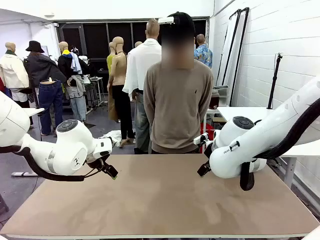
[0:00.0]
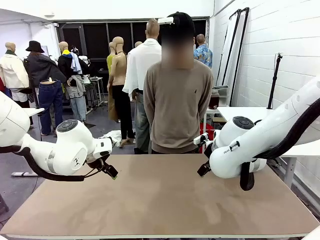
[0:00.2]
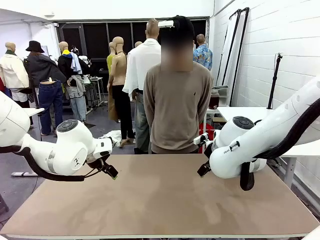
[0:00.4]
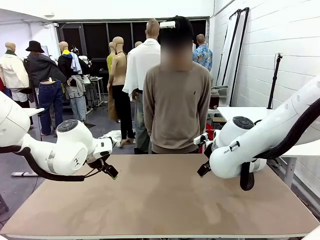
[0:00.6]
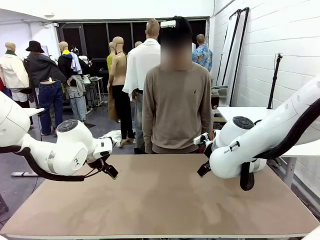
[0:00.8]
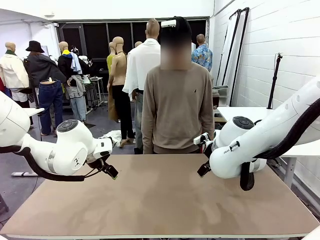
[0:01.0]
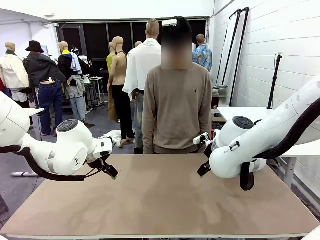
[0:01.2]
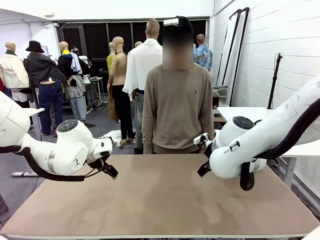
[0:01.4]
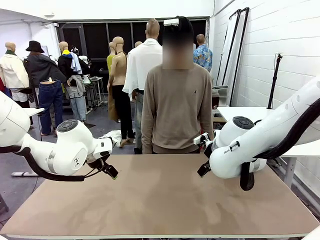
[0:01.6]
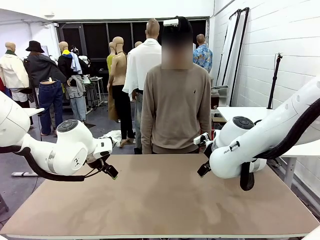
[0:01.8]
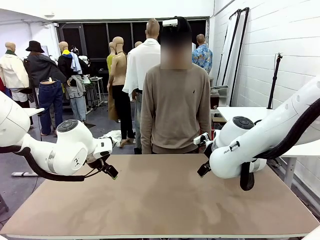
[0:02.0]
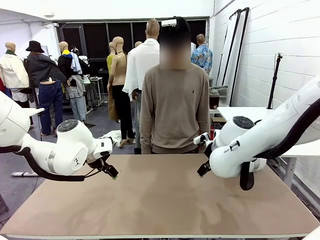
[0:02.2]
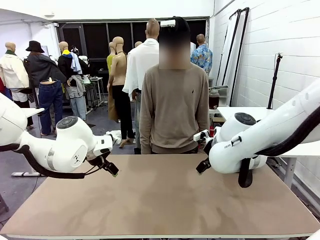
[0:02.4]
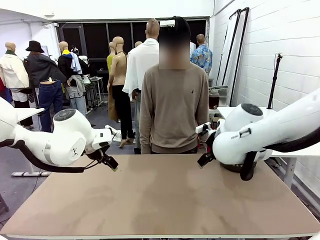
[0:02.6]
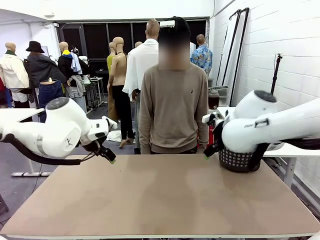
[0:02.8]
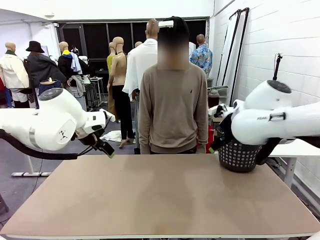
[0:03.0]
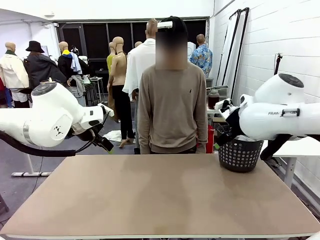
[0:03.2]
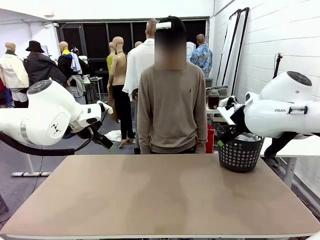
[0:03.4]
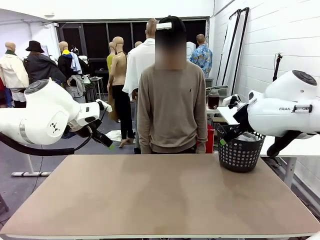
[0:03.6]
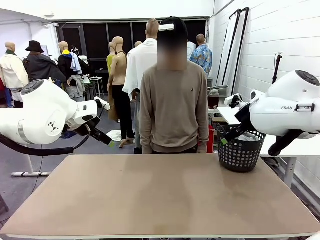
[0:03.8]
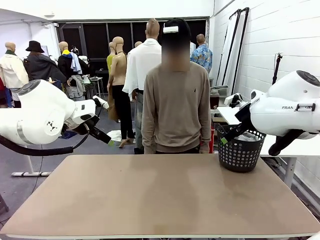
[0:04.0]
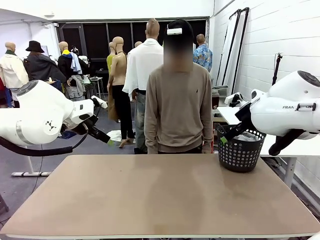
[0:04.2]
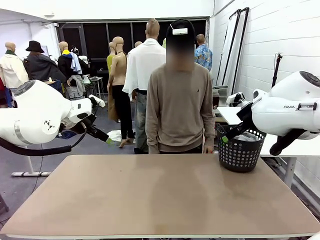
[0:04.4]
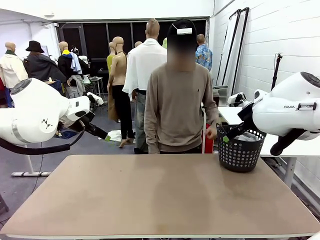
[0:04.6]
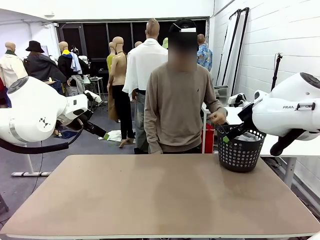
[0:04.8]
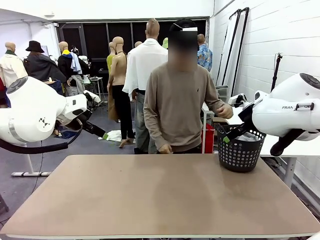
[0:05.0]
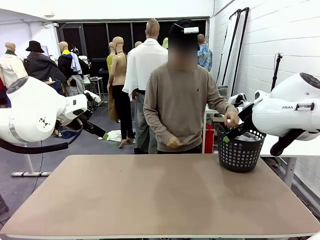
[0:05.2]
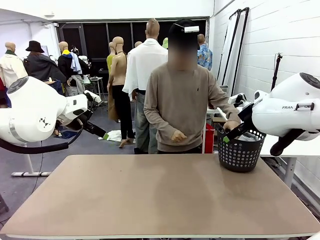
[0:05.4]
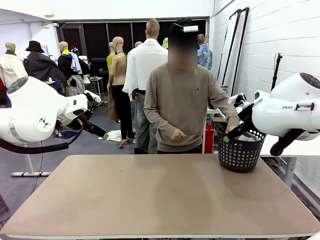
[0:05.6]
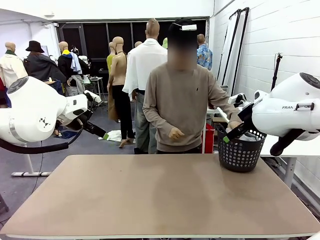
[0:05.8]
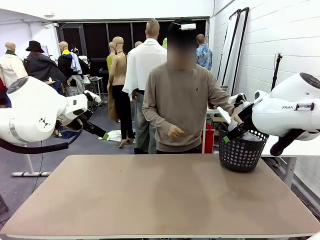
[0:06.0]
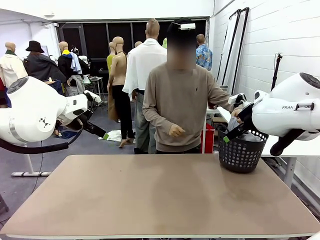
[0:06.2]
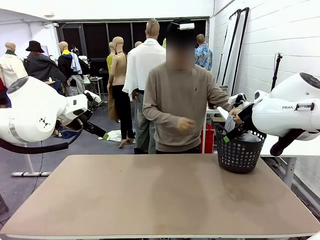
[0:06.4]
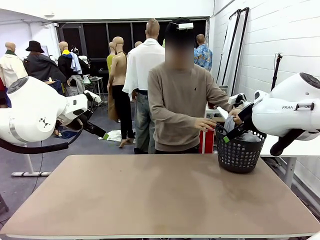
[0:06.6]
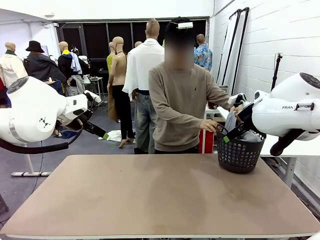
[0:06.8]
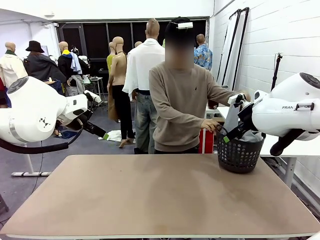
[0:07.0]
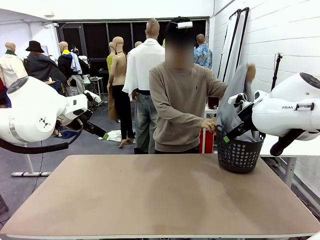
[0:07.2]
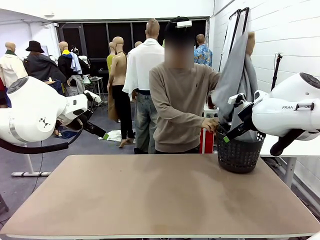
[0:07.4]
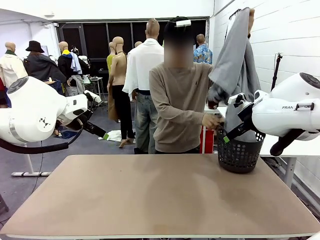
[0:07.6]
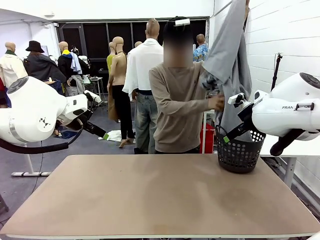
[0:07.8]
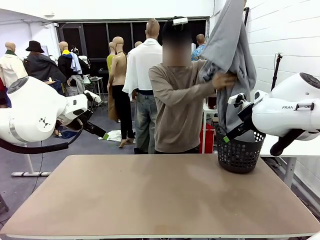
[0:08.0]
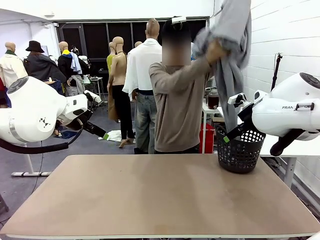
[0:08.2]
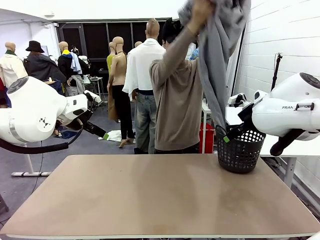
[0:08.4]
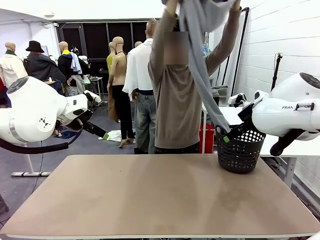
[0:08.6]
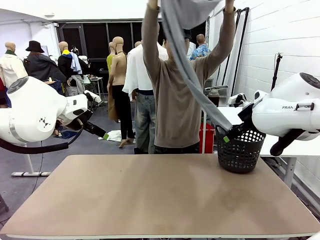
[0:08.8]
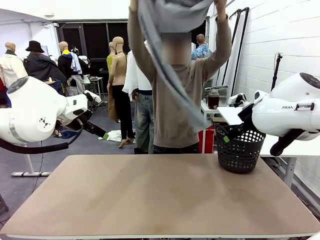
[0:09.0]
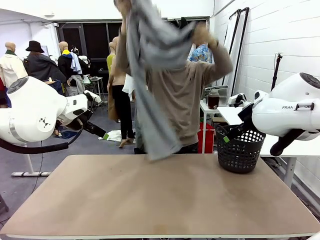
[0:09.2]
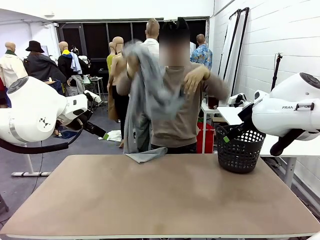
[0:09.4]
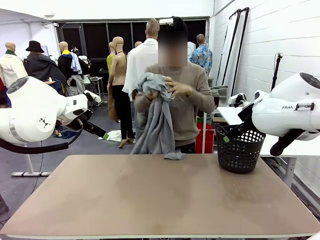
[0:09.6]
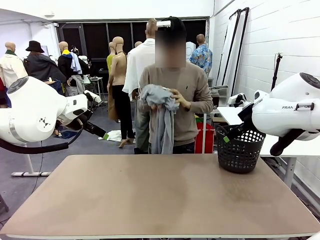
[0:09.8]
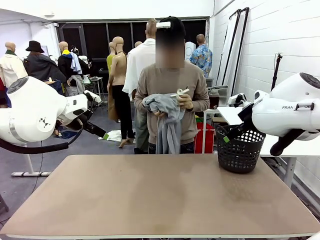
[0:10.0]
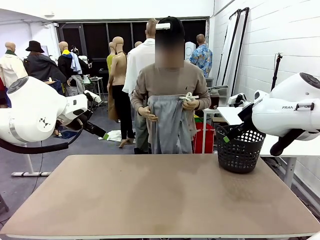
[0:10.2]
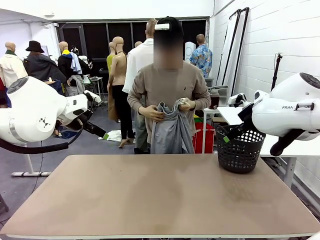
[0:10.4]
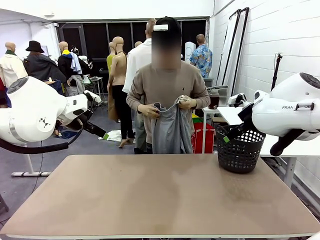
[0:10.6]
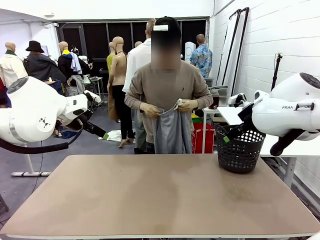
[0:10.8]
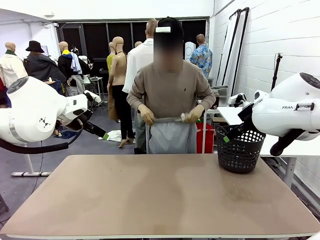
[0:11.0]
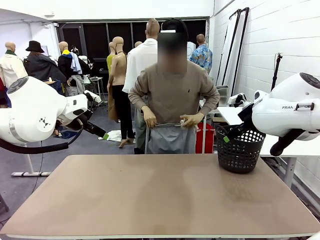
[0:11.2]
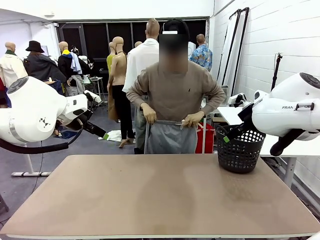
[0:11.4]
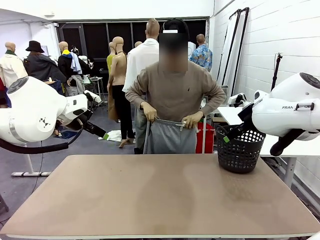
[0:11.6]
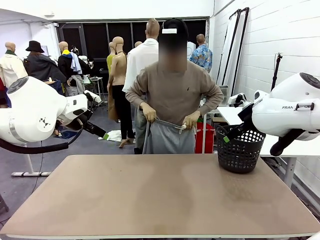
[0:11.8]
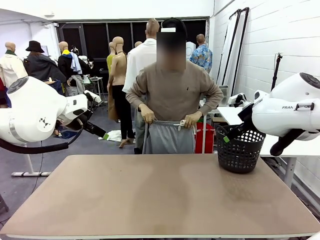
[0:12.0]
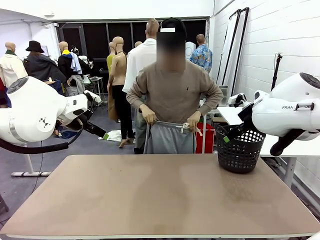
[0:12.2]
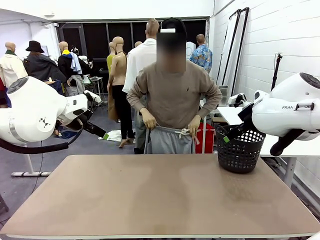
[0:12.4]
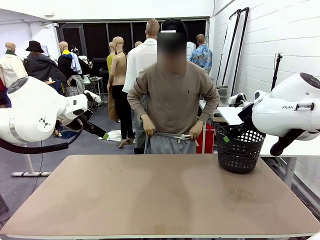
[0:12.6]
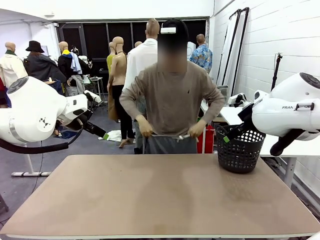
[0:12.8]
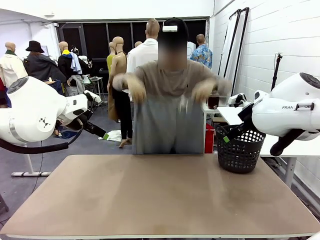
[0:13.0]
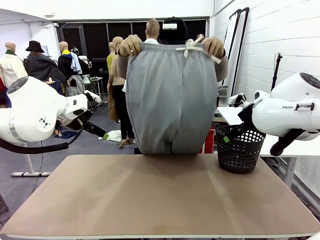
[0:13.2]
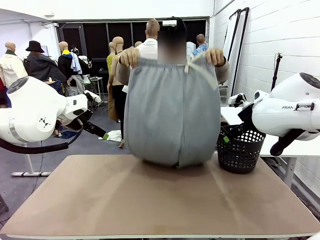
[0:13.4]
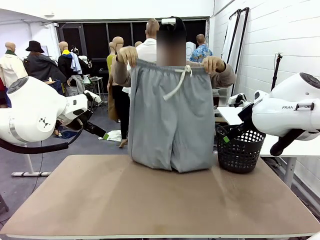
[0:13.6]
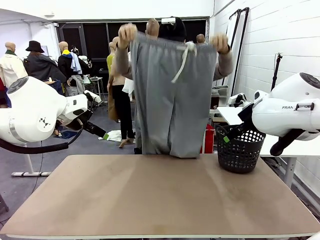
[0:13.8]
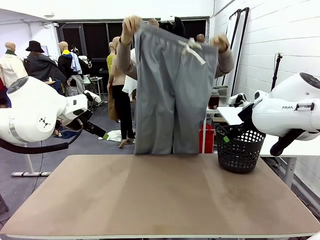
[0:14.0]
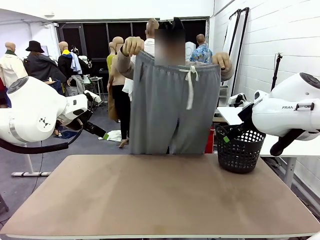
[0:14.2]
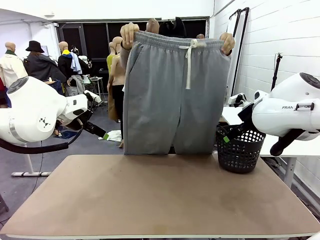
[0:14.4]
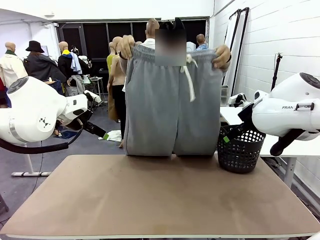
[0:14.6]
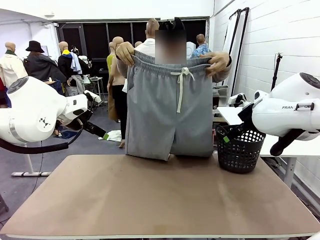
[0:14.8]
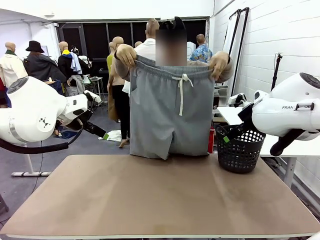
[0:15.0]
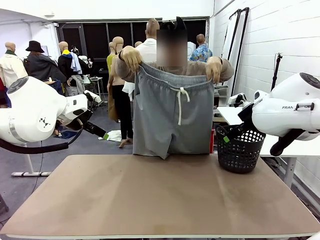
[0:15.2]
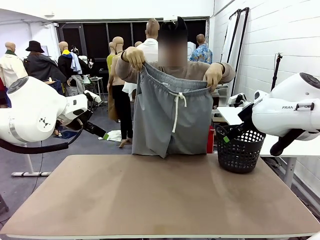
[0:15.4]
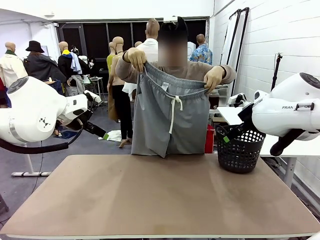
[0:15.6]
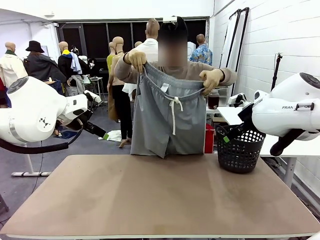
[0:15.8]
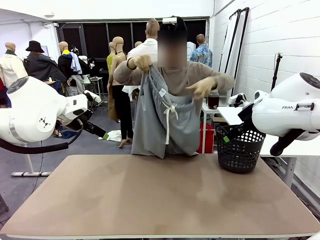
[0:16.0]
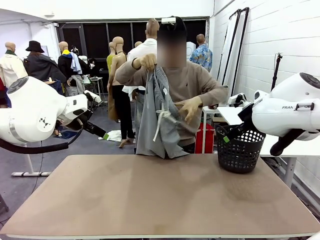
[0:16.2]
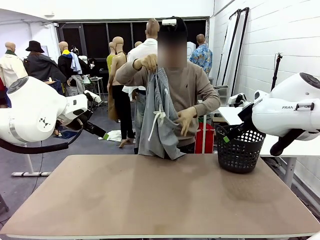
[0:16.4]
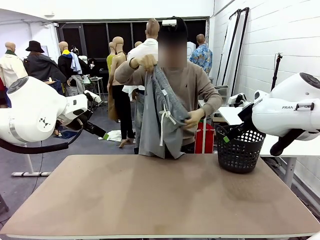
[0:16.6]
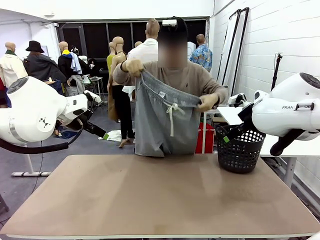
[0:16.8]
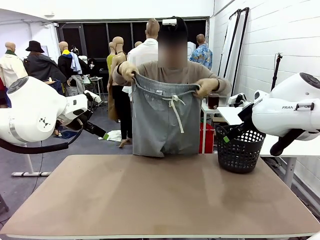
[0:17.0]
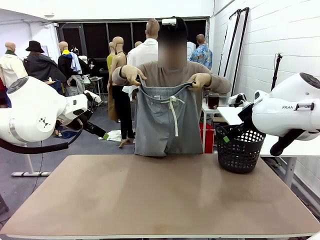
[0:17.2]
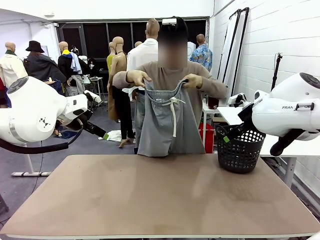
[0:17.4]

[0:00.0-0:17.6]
Task: Fold the training pants.
Robot: Grab both ends of the Training pants handed by a person.
Person: Take the long pants out of the laundry basket, unfold them, fold the waist in half, and extend them so the robot can pick up both corners.
